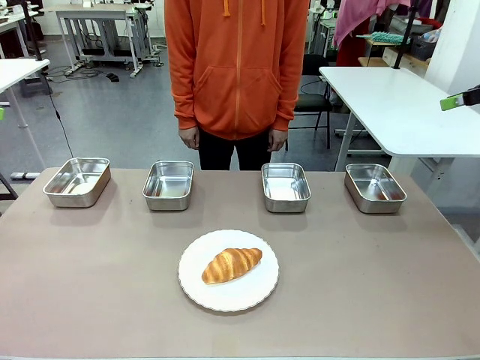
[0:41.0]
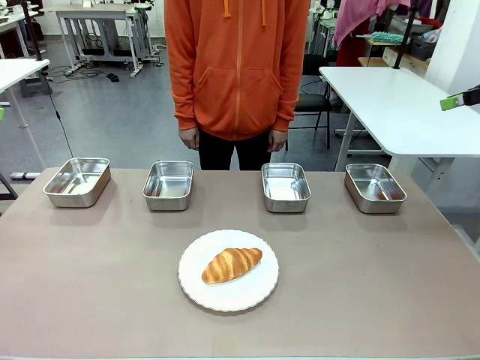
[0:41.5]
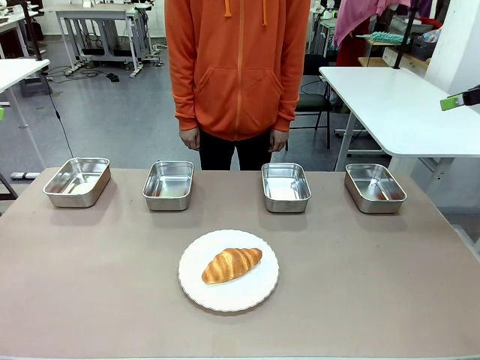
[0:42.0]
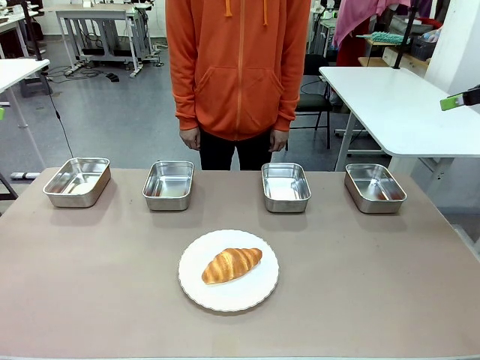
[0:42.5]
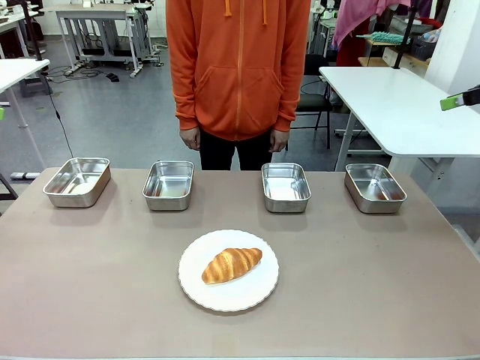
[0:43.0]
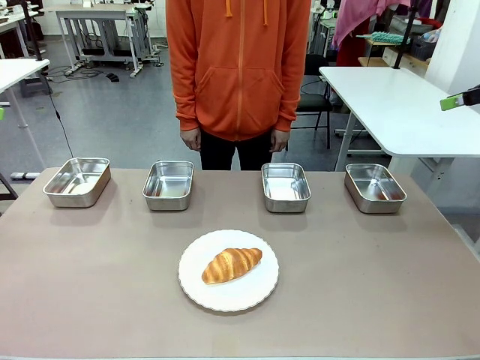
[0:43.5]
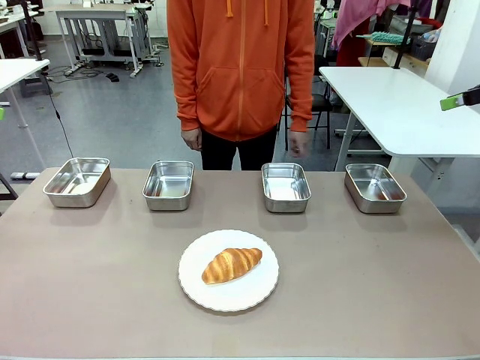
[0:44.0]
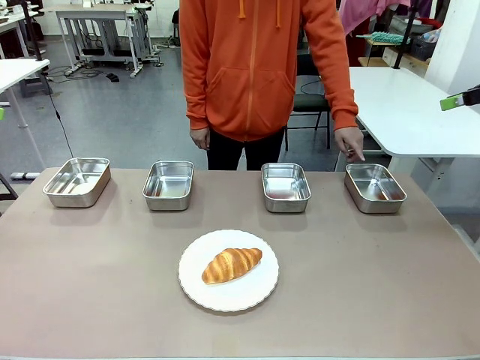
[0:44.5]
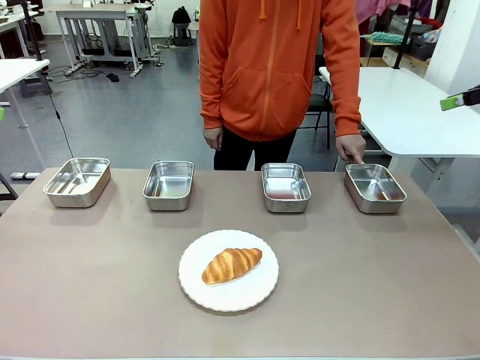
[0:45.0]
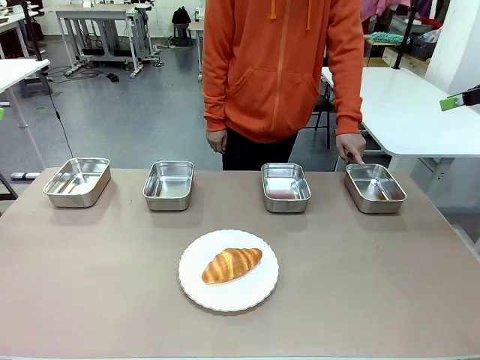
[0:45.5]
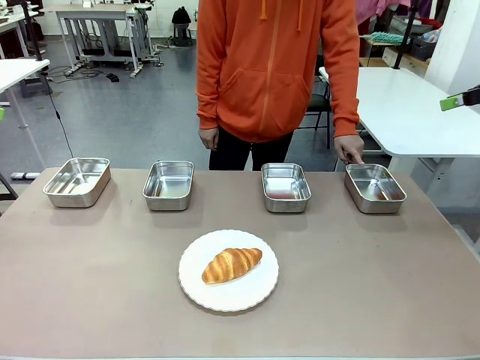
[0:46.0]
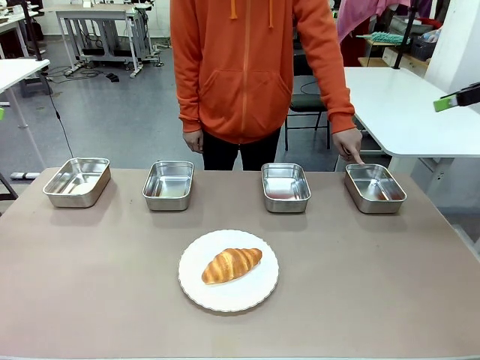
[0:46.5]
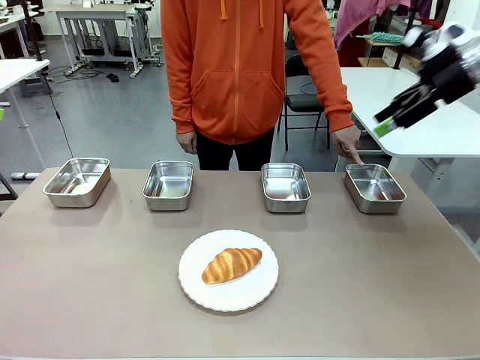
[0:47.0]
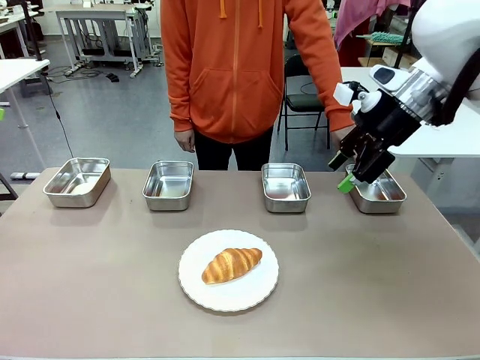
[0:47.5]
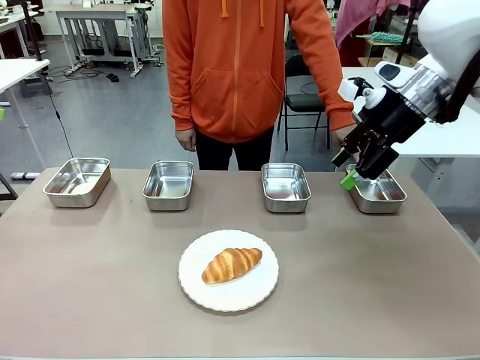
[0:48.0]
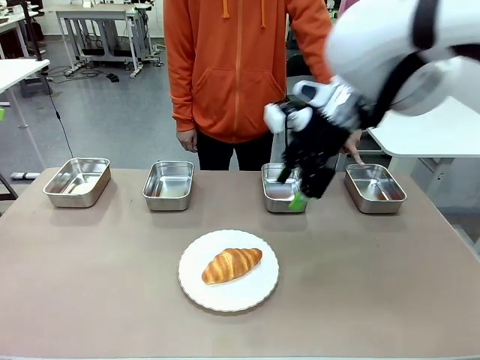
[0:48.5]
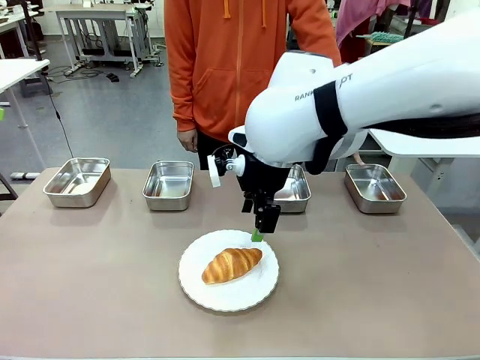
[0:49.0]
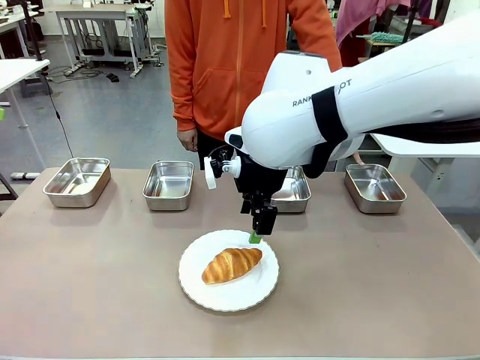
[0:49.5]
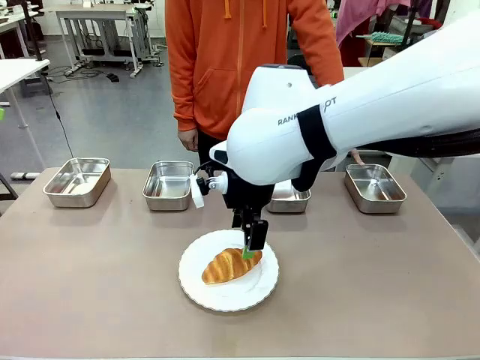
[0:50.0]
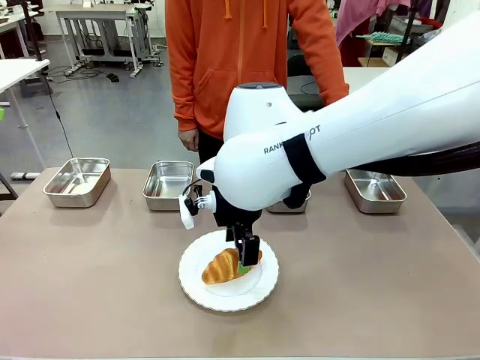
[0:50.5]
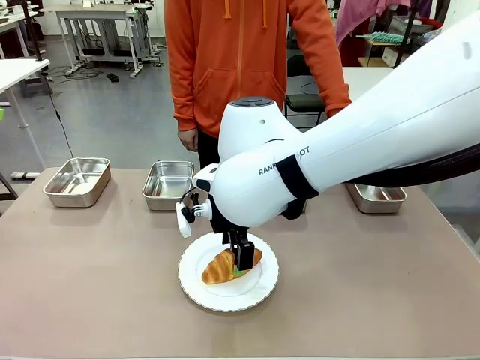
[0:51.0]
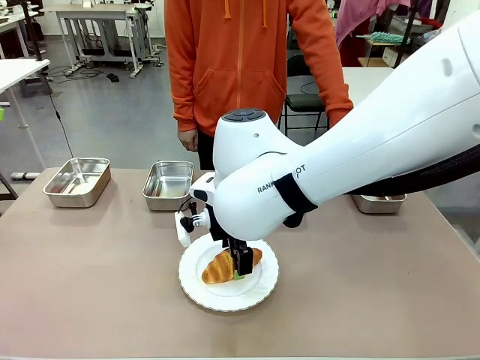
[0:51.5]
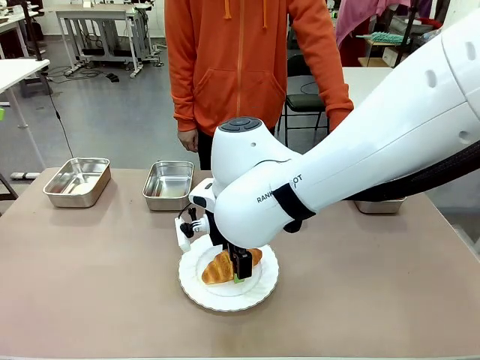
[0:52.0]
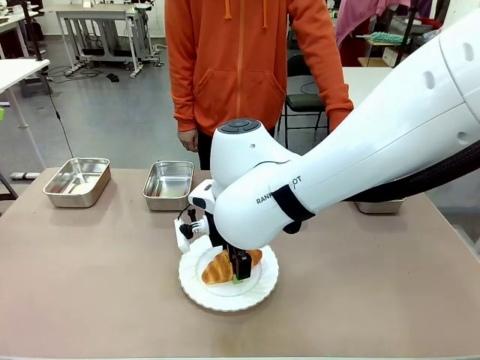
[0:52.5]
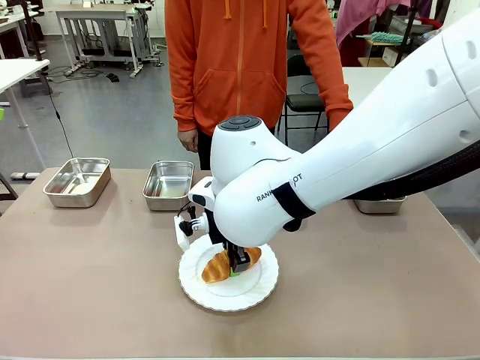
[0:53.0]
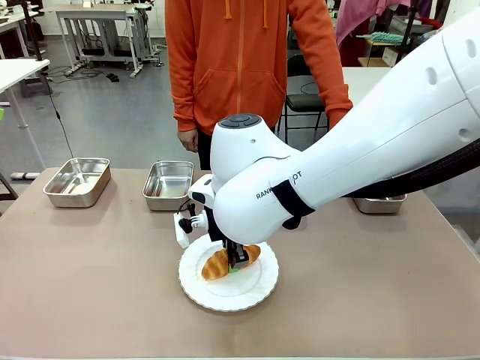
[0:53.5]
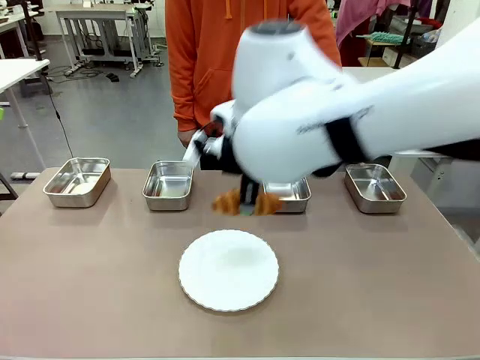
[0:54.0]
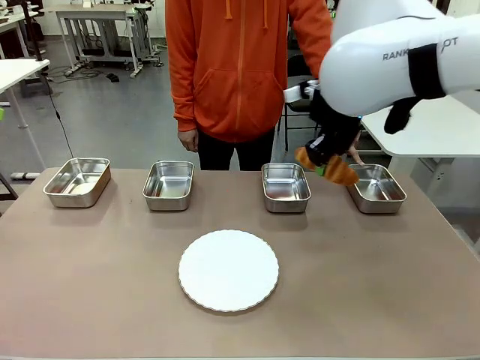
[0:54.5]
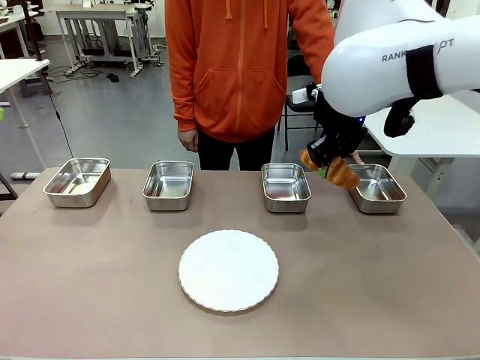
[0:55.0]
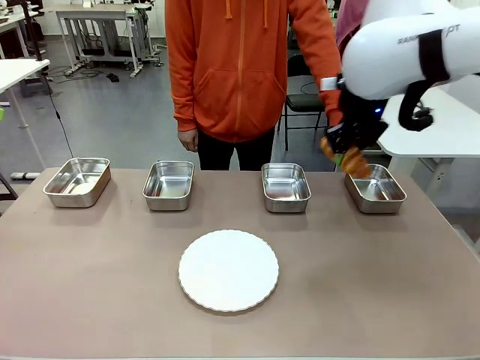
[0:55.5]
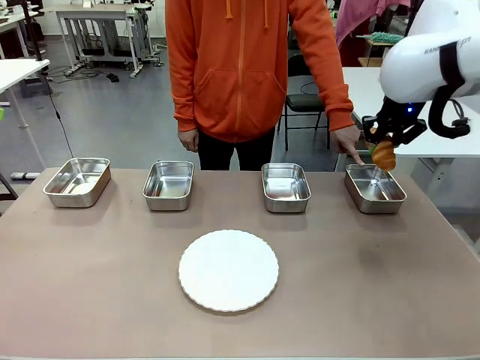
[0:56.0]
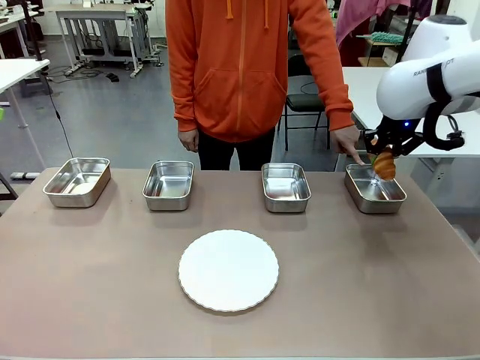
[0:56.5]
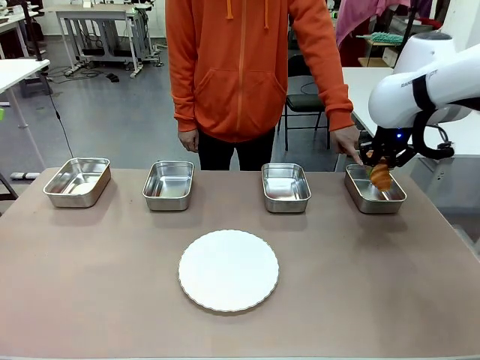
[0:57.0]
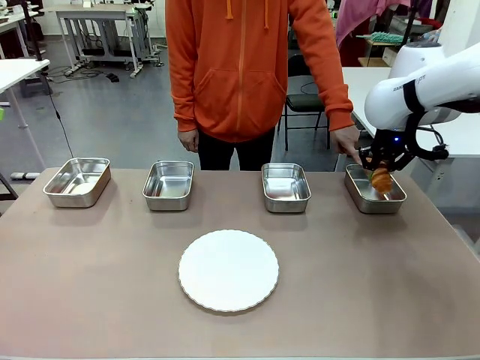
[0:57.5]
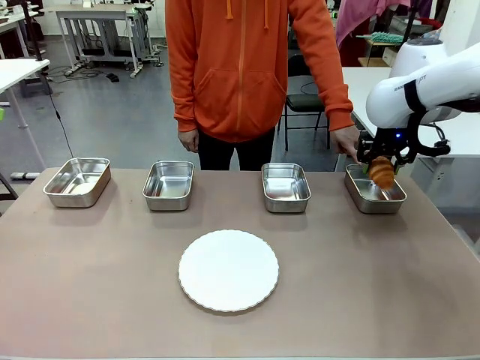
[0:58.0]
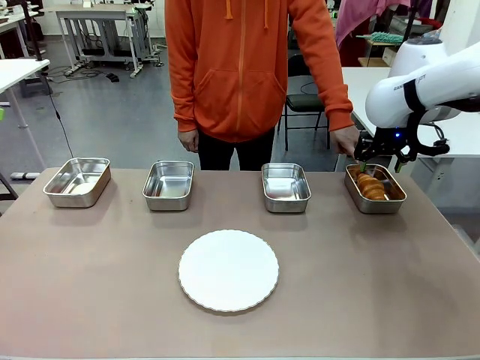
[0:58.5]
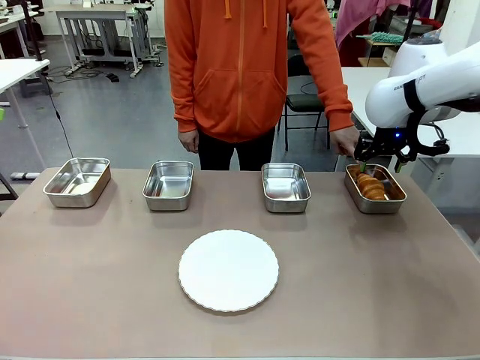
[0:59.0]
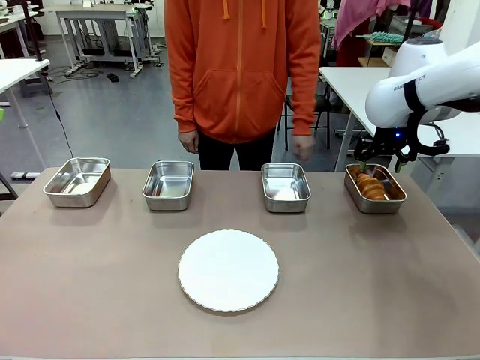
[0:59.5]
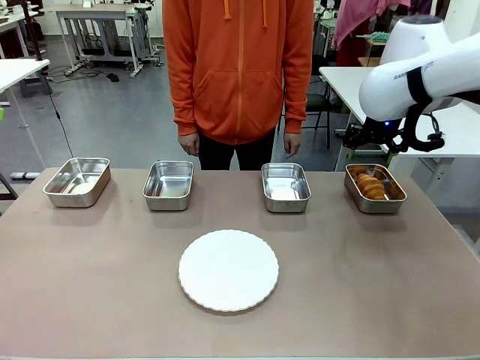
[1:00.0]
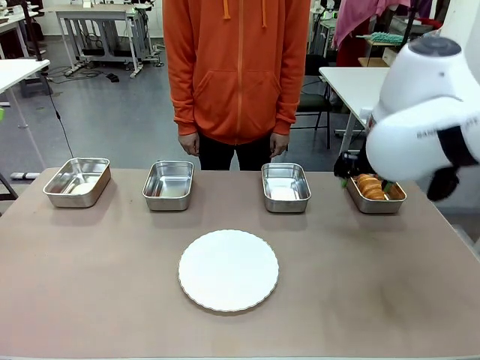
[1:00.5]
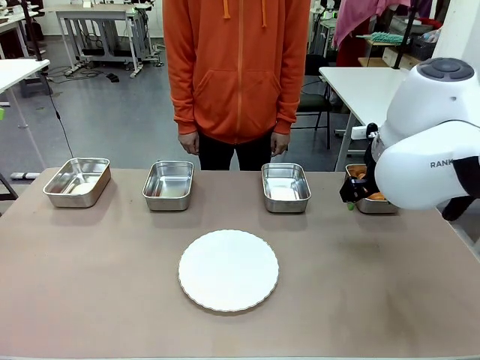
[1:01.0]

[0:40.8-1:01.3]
Task: Place the bread in the container.
Robot: Place the Butter Roll into the Airtight Container indicated by the human.

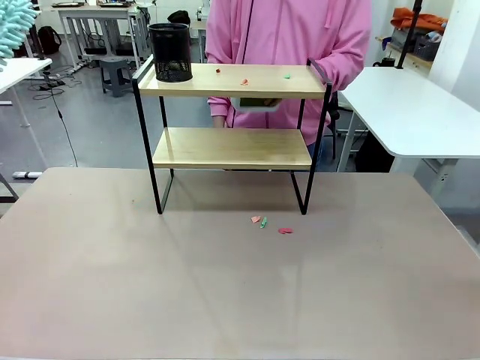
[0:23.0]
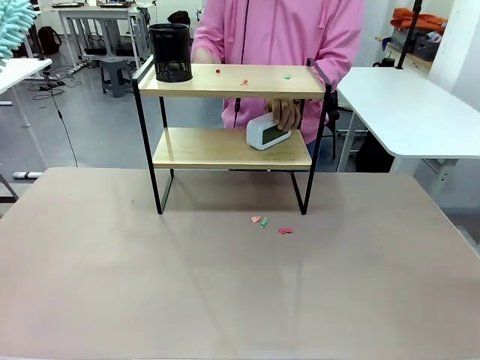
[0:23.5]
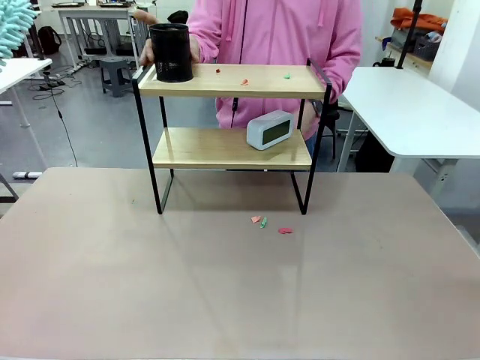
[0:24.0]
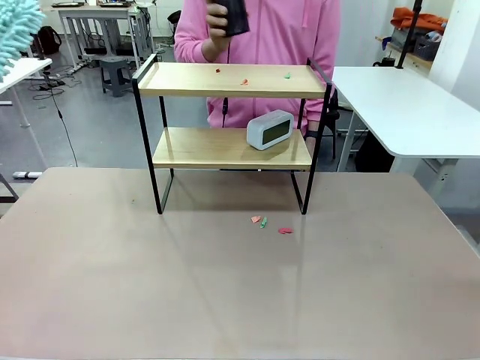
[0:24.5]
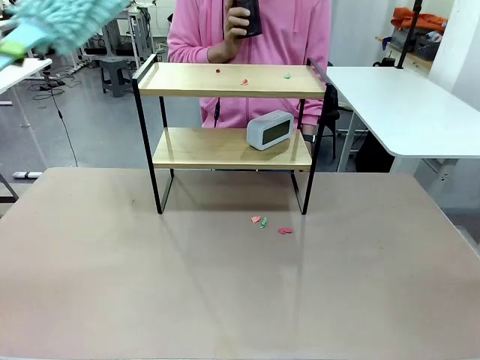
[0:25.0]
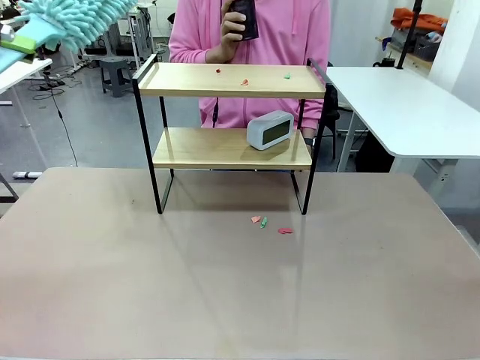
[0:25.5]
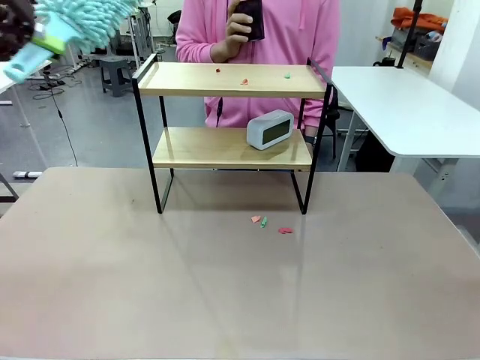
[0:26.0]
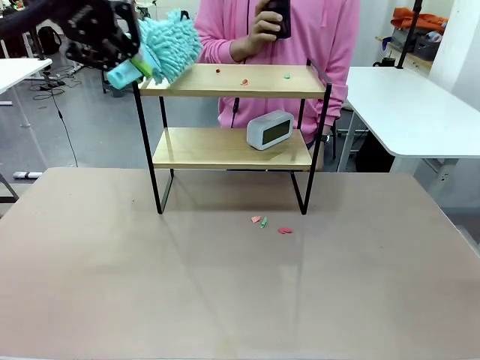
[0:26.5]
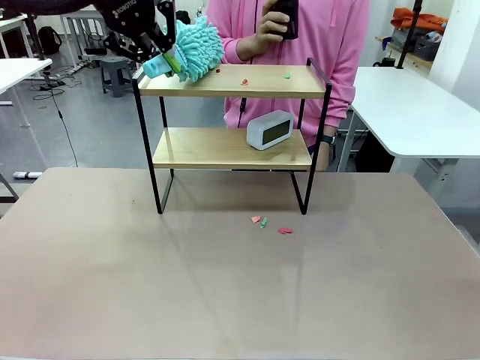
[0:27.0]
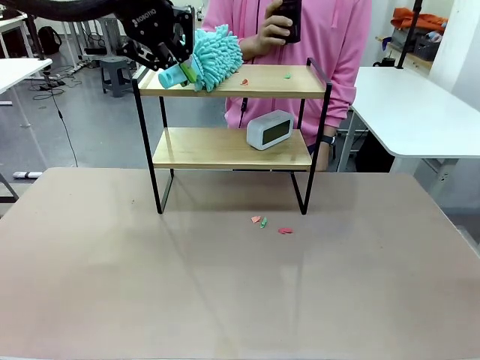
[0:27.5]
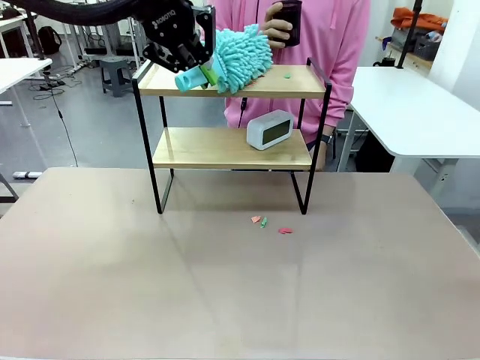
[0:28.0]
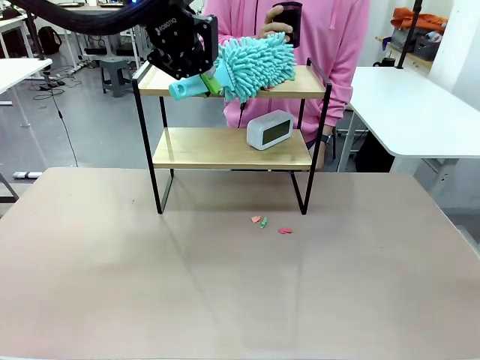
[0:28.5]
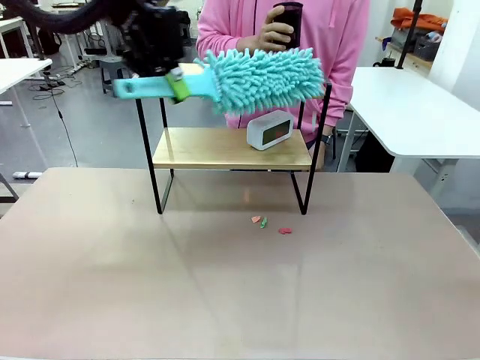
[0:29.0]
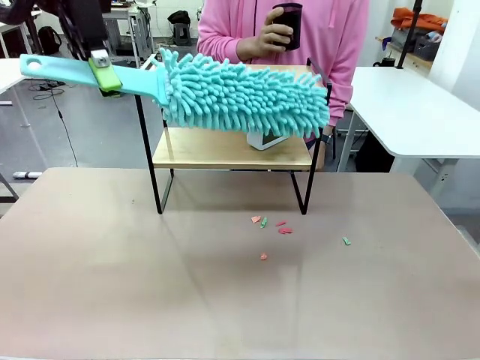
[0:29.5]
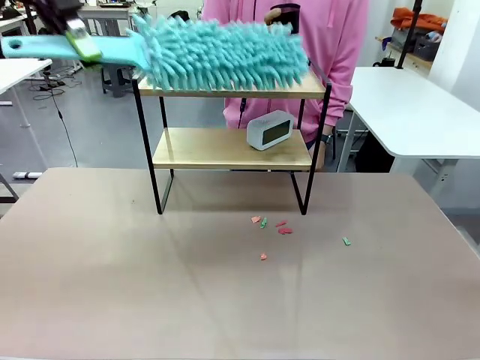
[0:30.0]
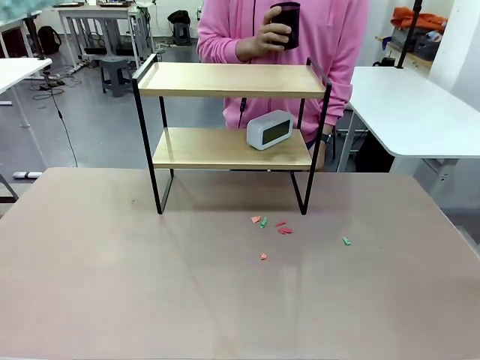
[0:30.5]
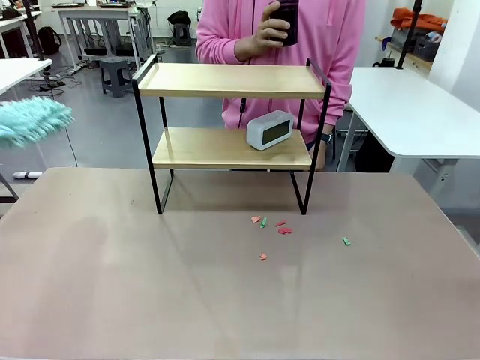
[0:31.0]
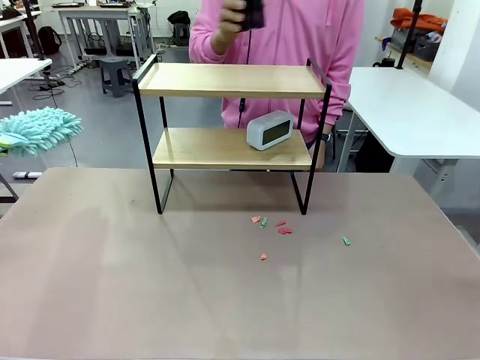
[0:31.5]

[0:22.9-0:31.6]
Task: Clean the shelf.
Robot: Clean the remaining tier of the Shelf with the Duster once objects are removed.
